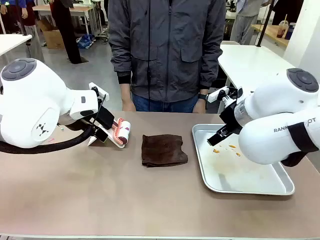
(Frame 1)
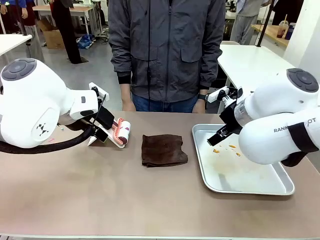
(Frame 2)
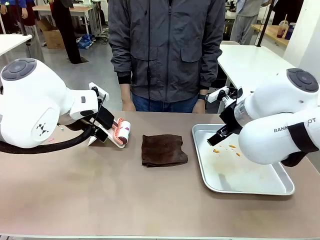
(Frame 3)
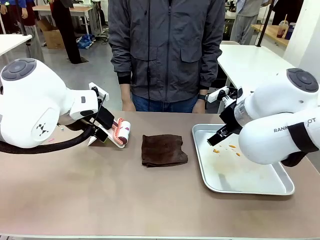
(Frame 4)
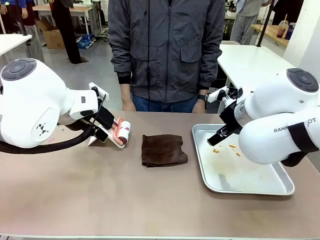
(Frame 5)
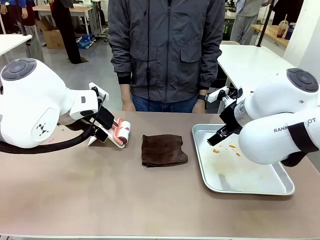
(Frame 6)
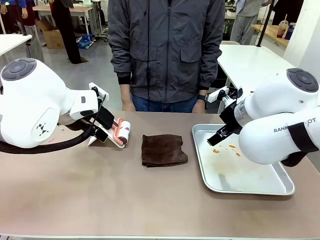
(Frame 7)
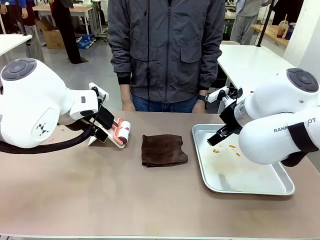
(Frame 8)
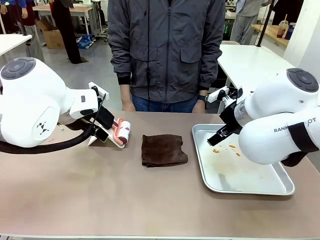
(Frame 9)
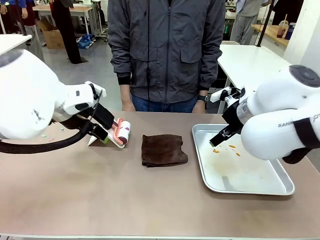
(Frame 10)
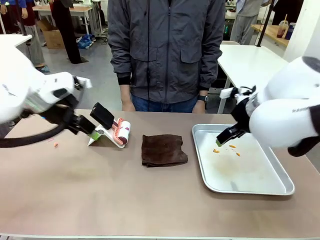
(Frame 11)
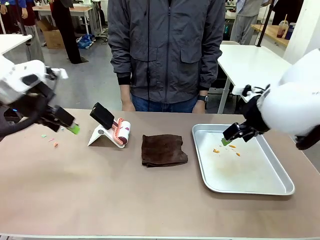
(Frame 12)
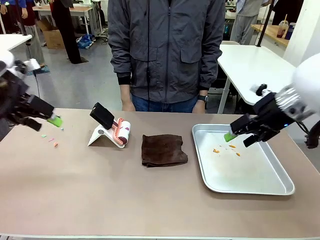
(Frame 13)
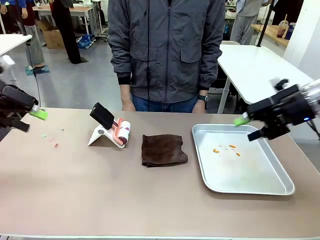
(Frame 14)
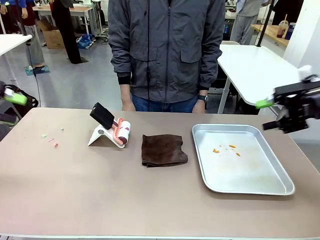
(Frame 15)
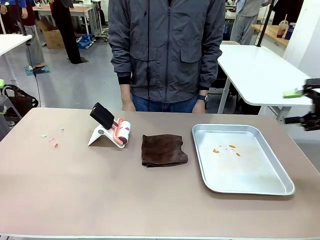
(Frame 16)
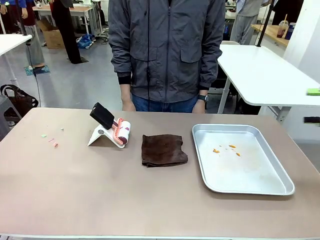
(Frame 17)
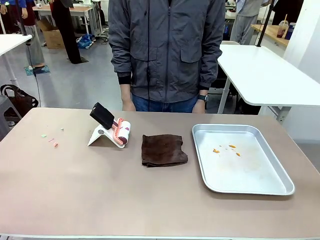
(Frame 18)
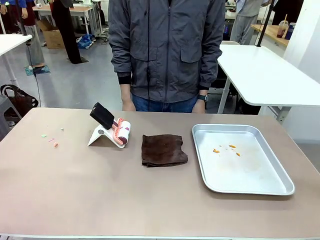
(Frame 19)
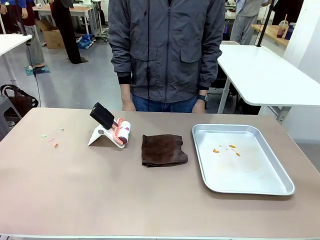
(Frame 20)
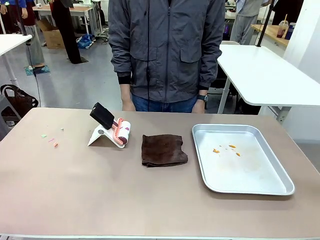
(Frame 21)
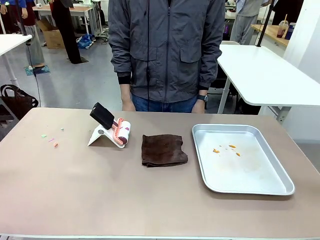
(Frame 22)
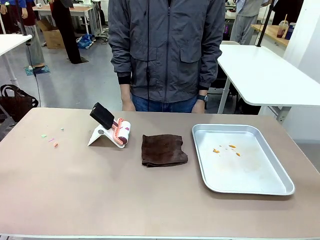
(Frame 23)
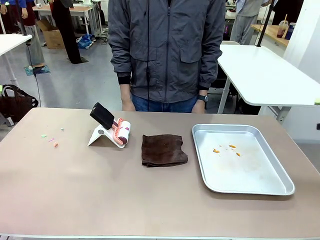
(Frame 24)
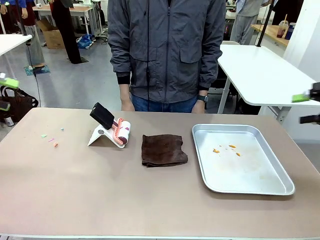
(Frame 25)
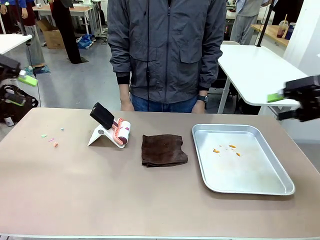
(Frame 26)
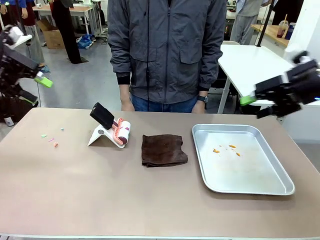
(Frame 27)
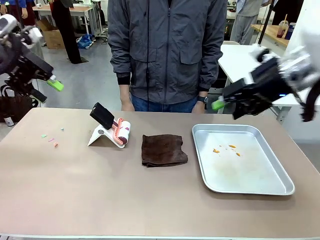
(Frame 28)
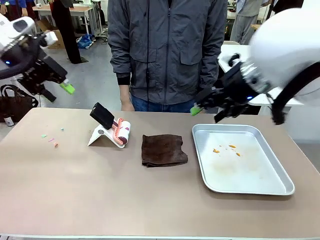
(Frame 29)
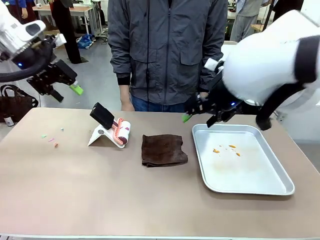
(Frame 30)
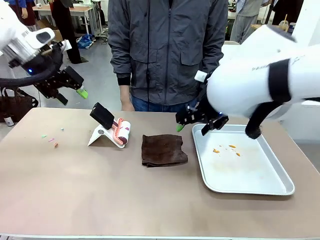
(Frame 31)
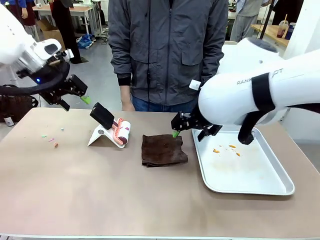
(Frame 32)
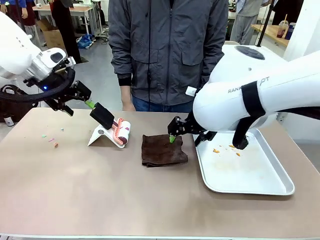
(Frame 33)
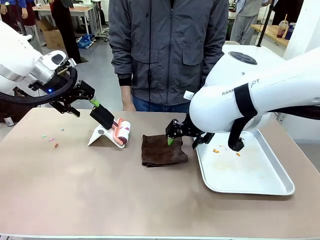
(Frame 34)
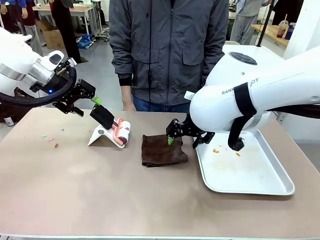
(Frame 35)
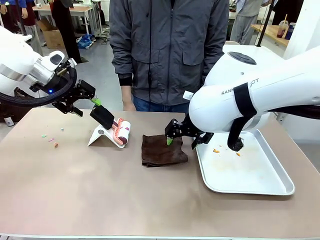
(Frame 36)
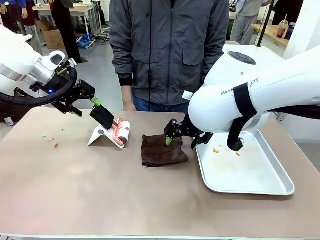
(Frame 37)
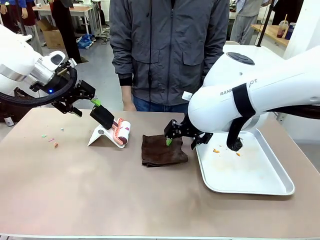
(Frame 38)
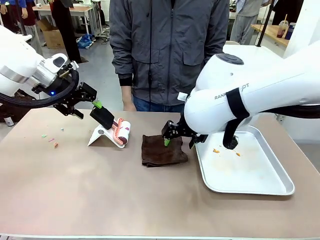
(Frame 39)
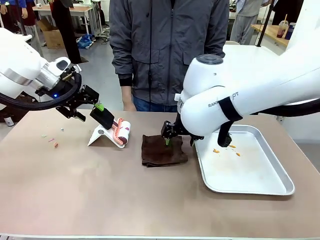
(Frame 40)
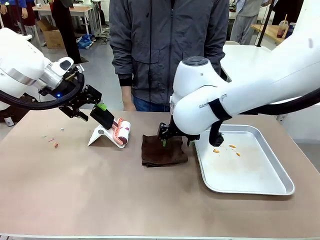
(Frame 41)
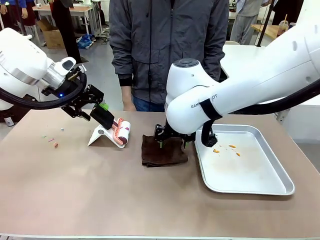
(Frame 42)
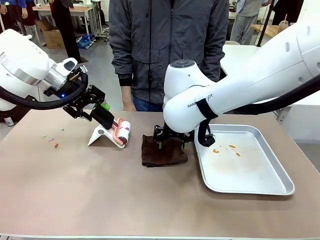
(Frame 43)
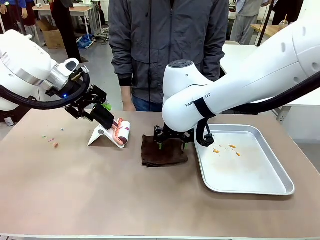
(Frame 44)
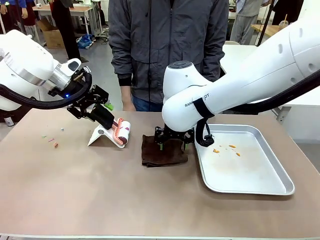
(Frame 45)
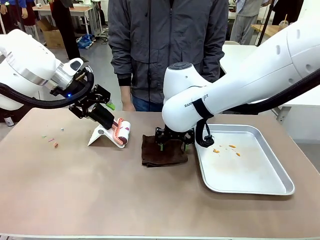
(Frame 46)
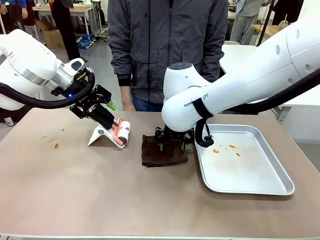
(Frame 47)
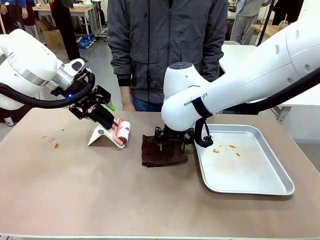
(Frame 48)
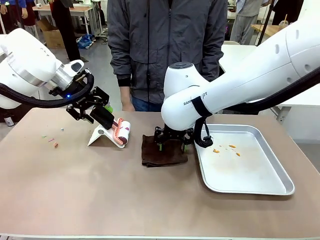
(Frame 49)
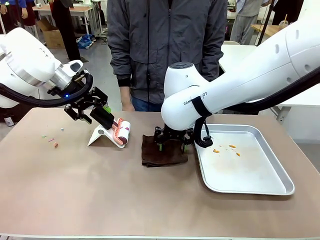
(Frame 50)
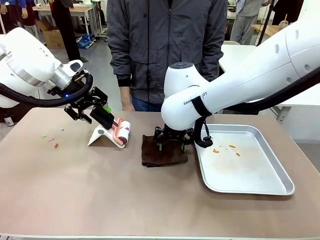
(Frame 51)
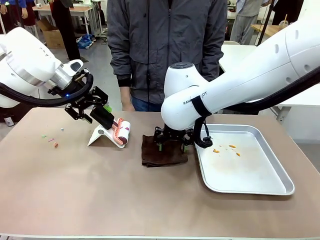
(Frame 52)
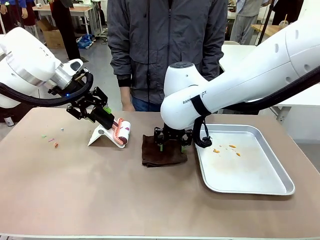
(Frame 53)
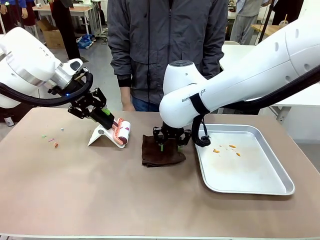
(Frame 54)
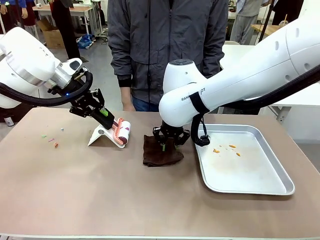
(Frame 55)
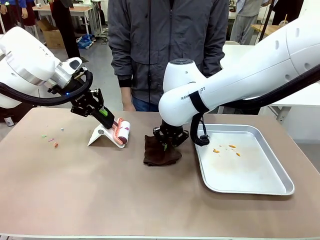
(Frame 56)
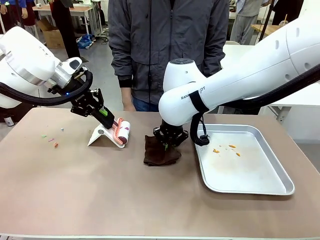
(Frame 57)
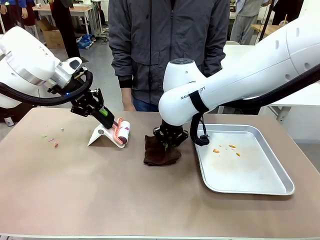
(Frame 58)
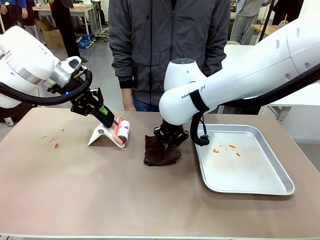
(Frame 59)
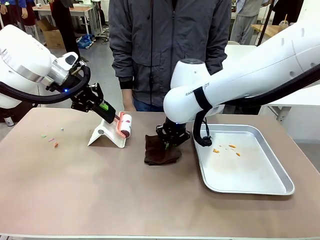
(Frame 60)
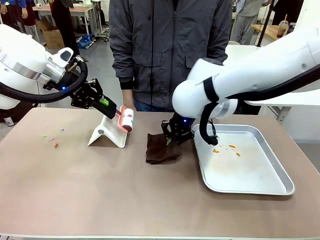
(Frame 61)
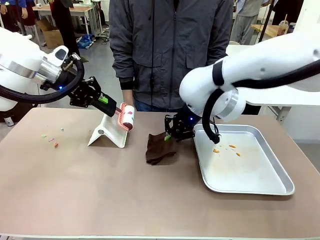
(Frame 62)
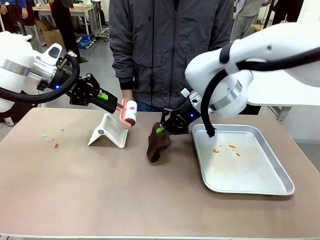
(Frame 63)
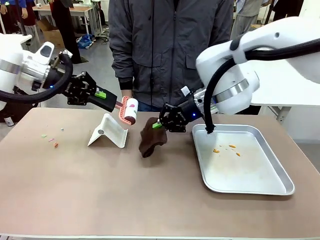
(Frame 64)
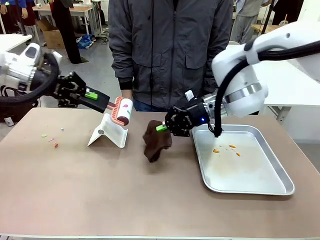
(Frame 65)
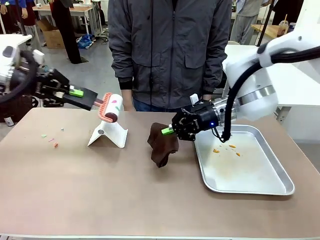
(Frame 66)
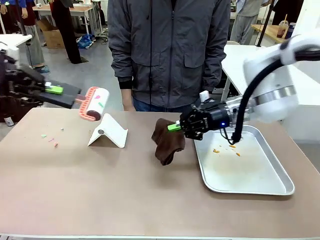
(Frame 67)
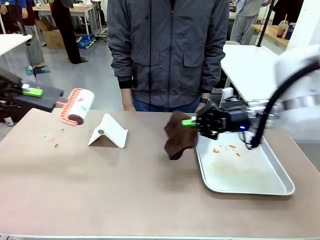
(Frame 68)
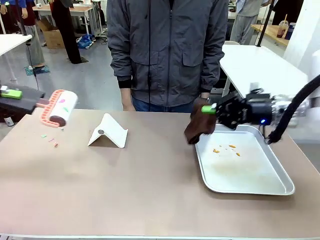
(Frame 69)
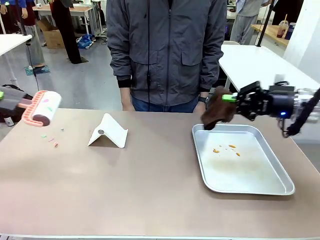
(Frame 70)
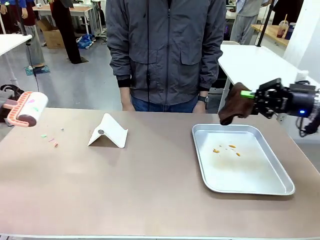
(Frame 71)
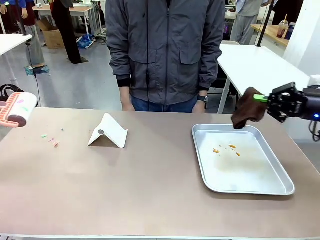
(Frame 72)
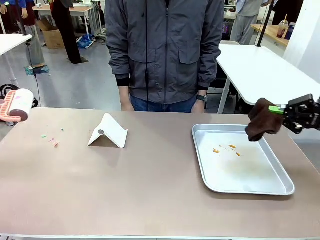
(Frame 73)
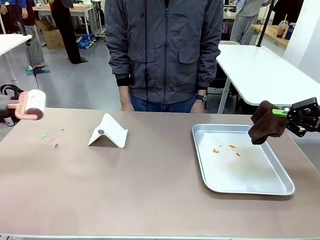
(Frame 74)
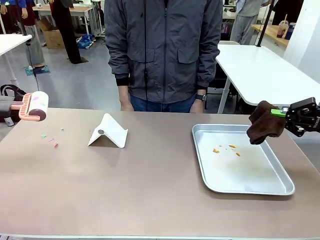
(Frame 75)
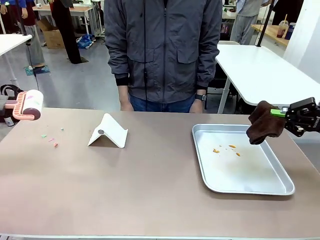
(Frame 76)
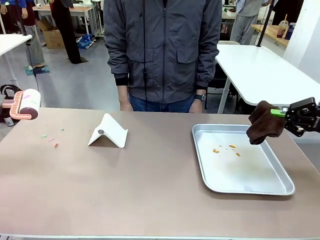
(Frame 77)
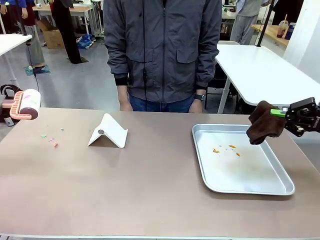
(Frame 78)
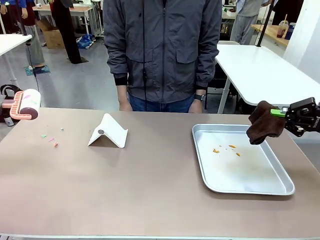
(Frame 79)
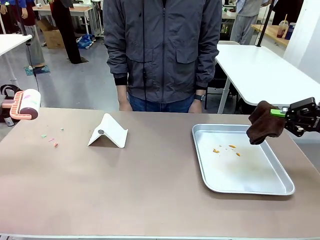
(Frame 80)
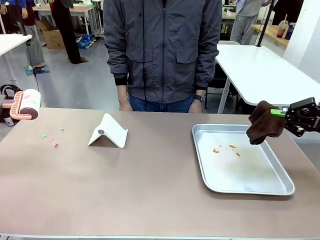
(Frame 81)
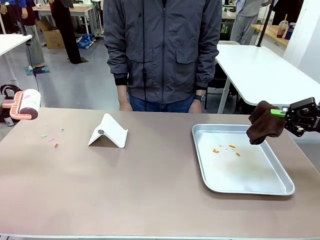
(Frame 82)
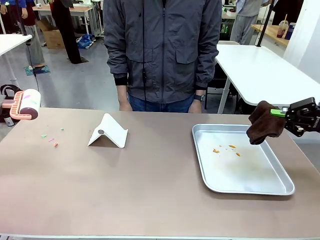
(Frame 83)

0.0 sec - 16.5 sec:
Task: Clean the surface of the table.
Robot: Hold the Lint Roller with your left hand and the towel with your right hand.
